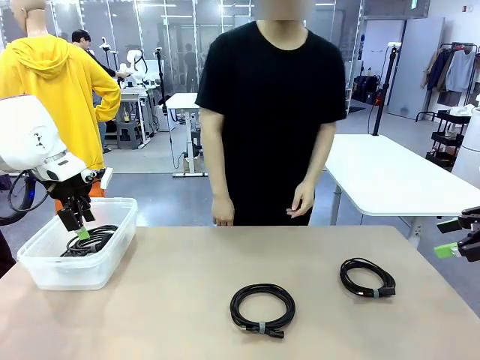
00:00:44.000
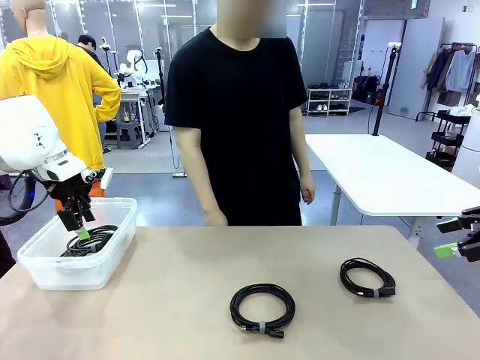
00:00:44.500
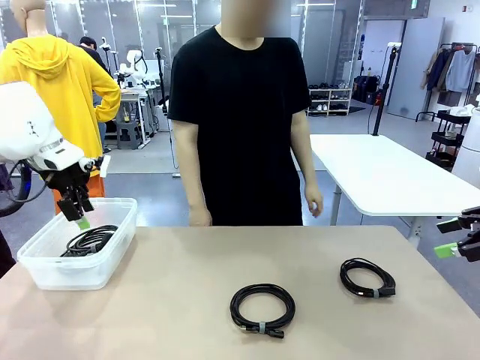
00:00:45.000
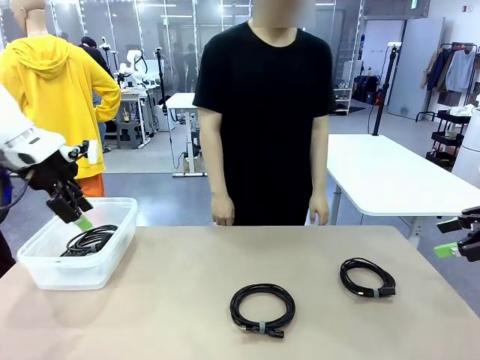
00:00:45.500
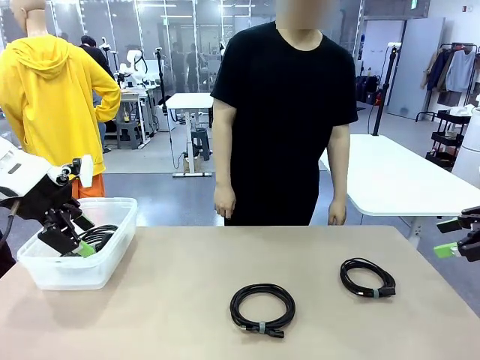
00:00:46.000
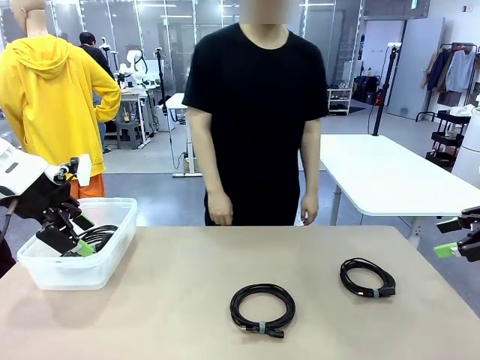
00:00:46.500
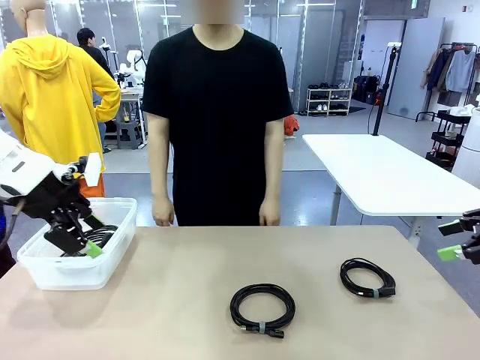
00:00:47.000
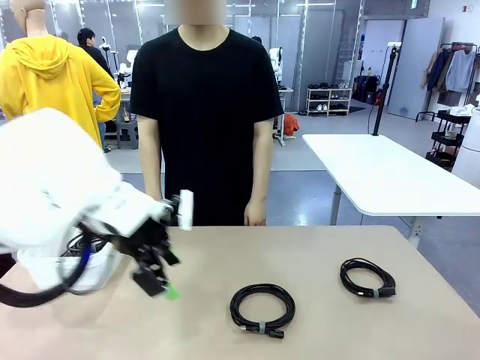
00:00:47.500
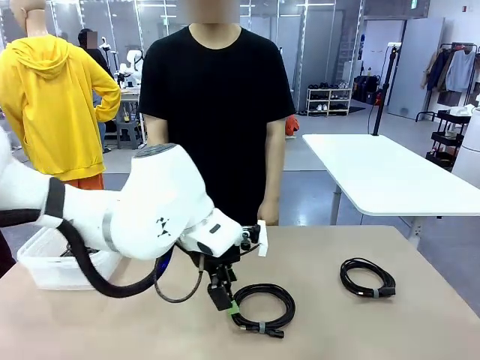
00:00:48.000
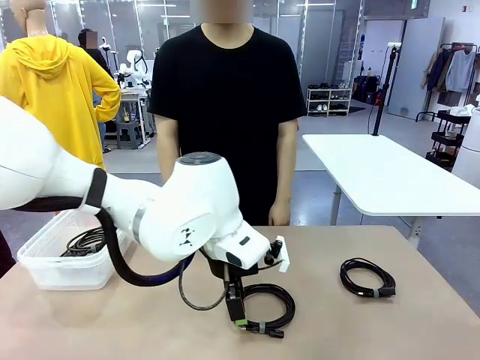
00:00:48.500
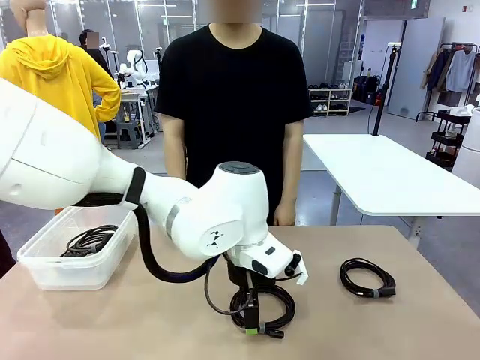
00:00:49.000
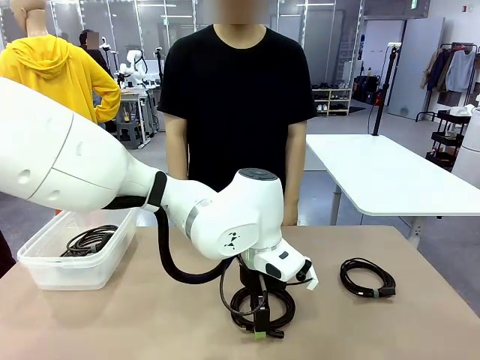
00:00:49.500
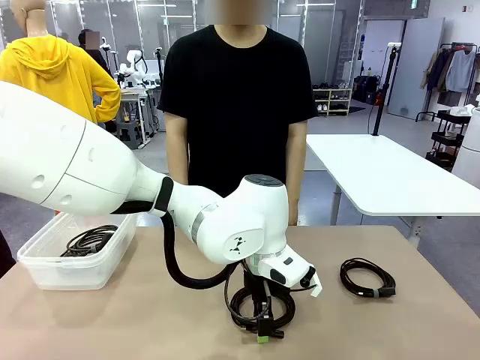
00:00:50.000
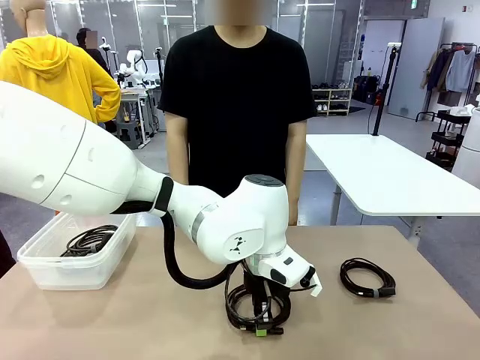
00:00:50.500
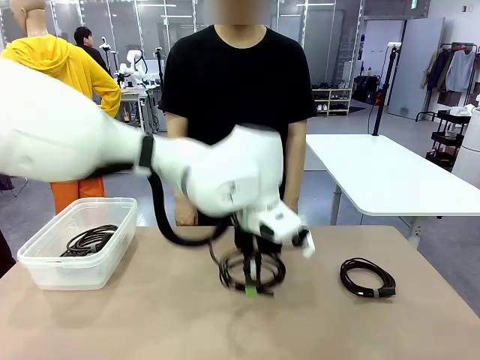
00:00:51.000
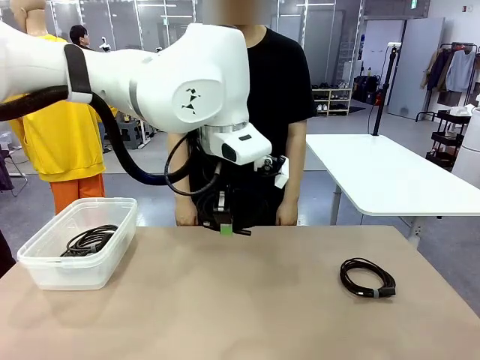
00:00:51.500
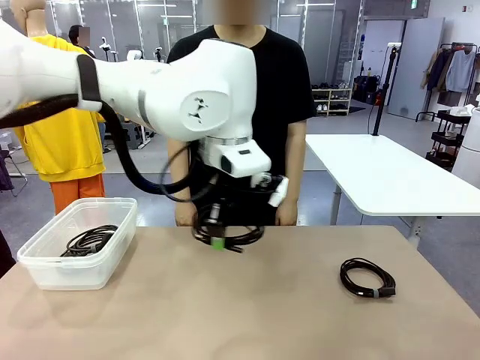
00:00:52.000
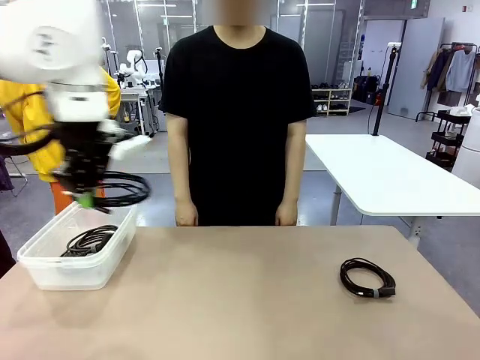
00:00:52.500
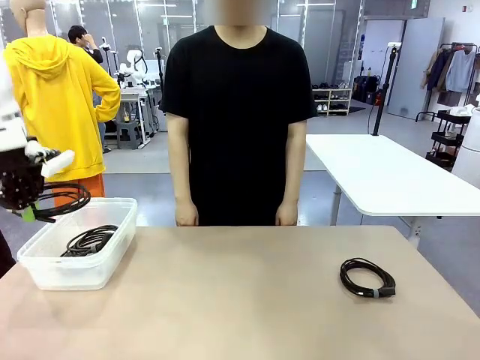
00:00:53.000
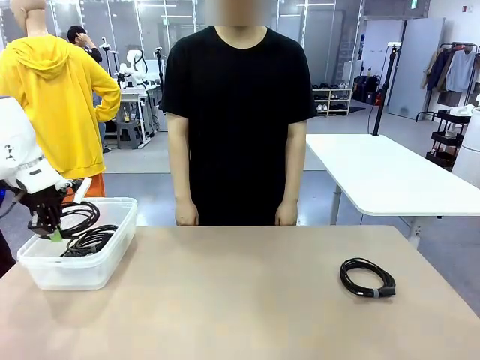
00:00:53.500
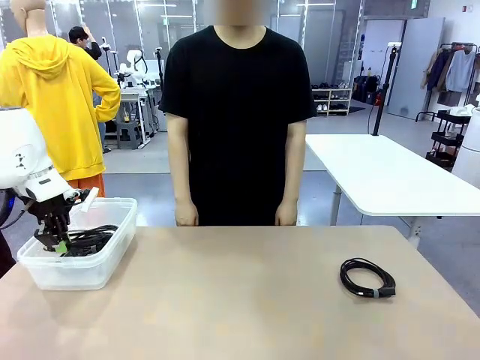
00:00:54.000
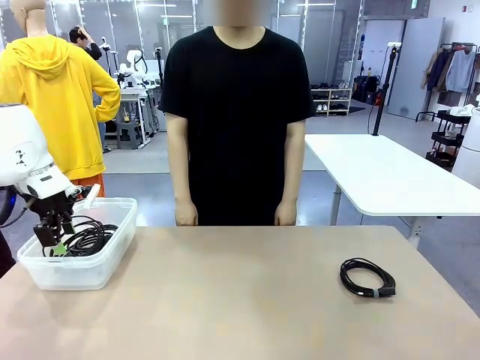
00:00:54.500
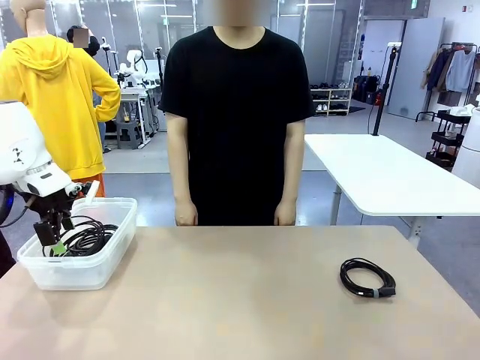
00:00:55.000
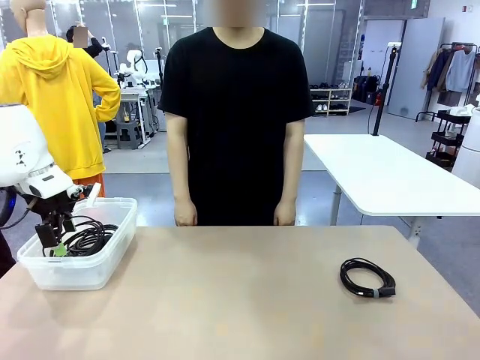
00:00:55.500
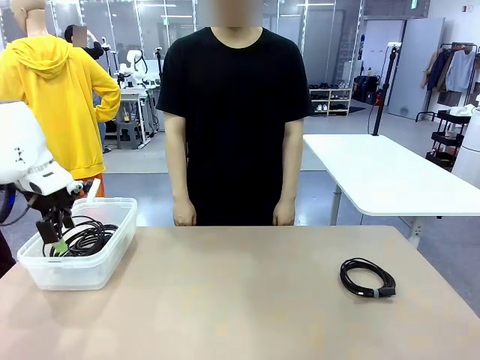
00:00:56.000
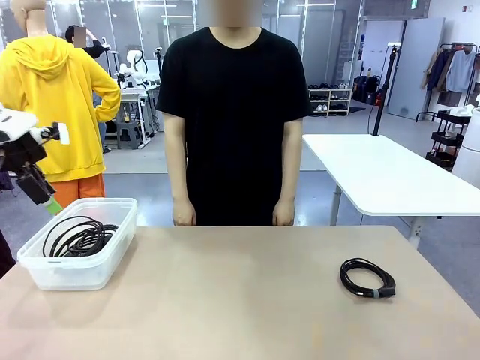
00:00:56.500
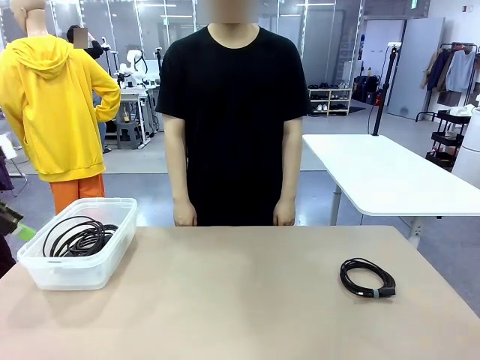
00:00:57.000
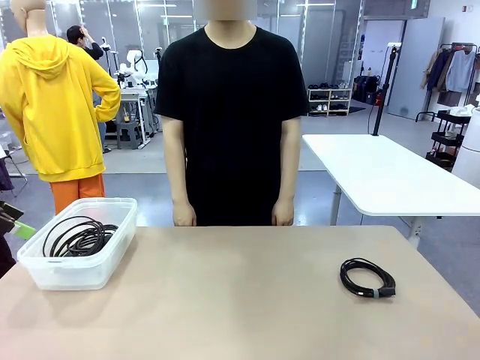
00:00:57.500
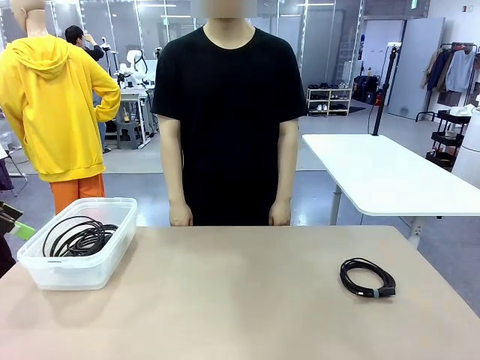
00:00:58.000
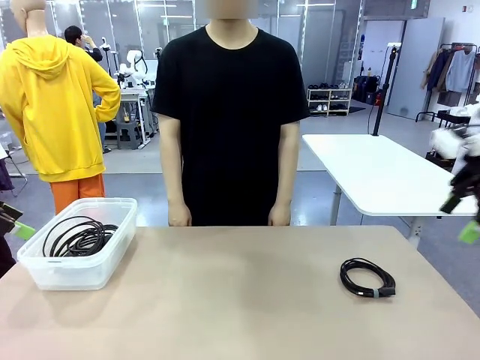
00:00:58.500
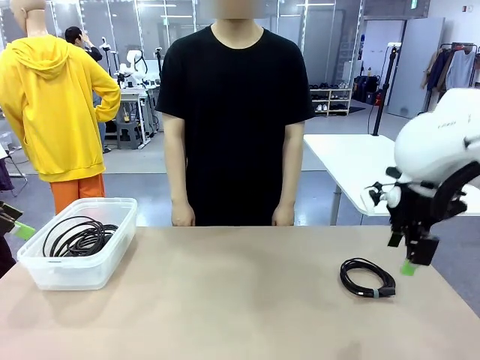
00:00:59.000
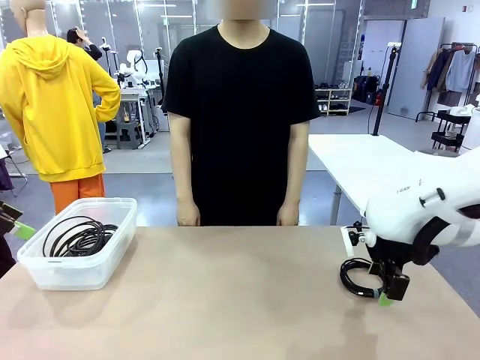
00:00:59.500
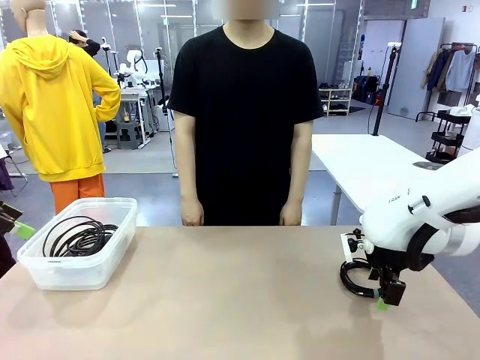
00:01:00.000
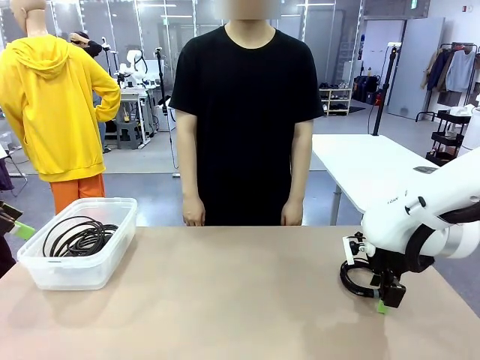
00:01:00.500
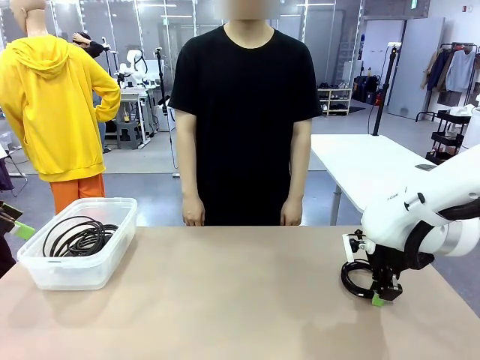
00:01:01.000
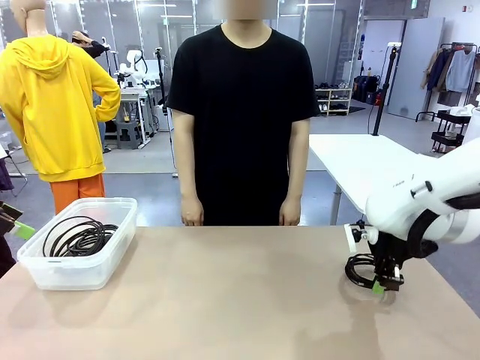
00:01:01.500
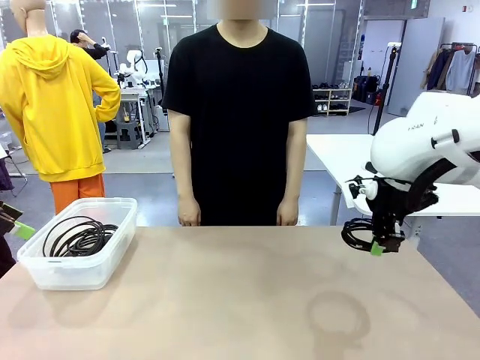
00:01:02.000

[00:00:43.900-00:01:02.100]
Task: Organize and store the cables.
Robot: Place the USB Extension Cable into the Organizing box.

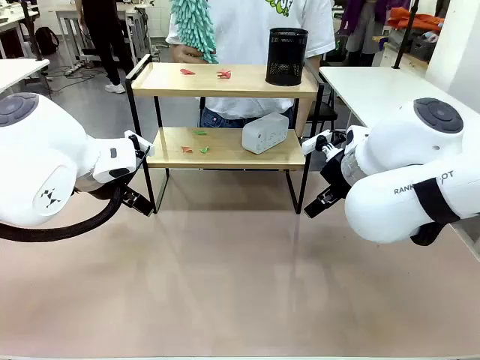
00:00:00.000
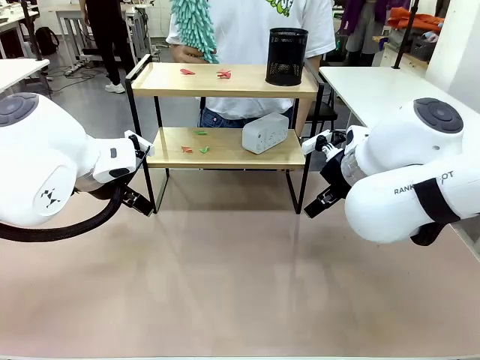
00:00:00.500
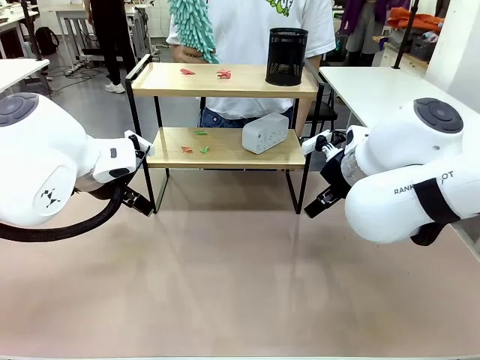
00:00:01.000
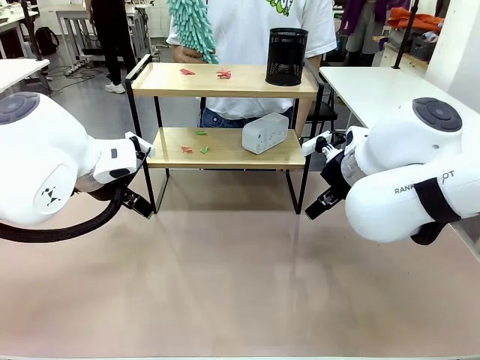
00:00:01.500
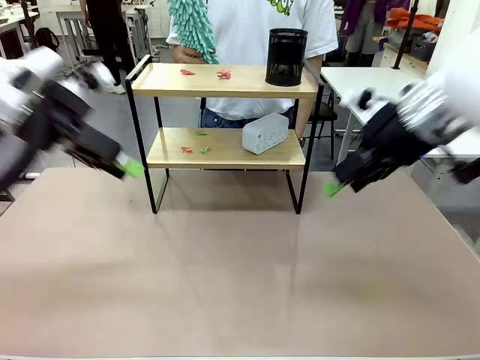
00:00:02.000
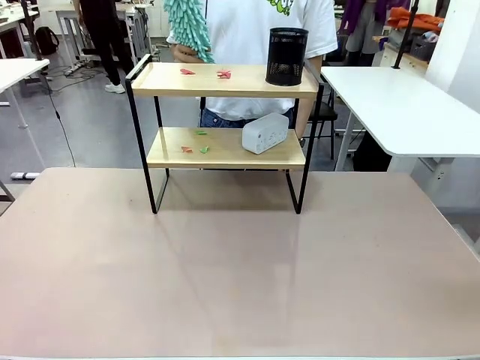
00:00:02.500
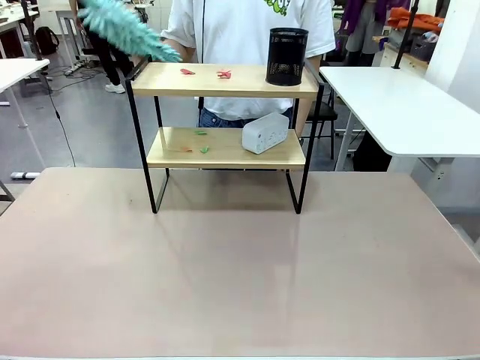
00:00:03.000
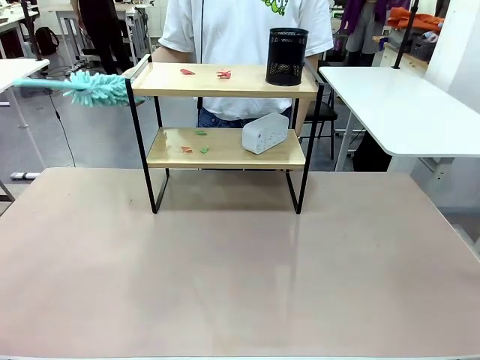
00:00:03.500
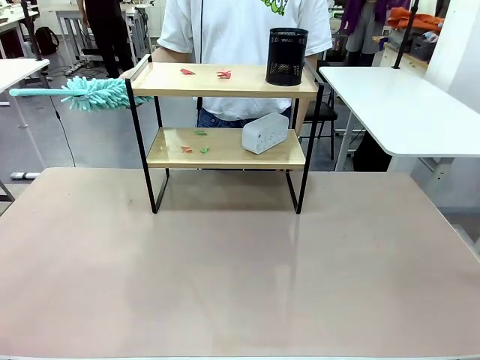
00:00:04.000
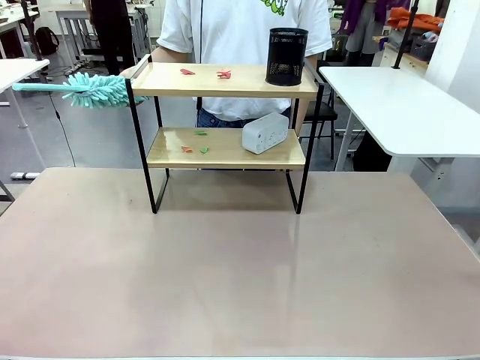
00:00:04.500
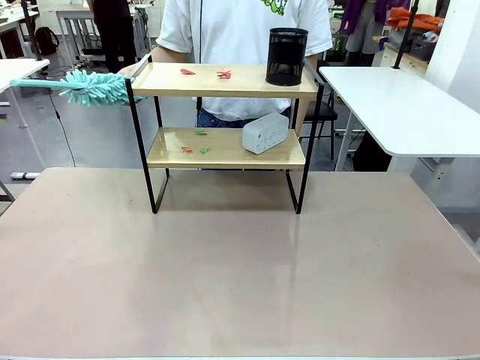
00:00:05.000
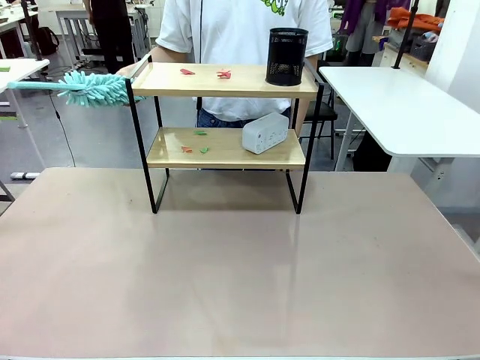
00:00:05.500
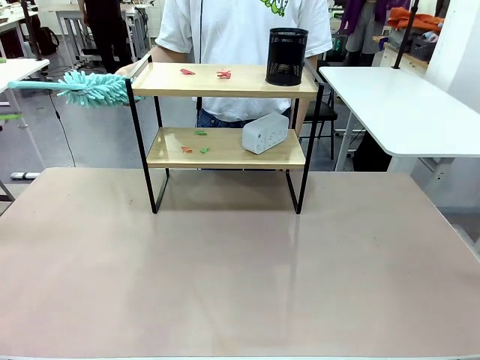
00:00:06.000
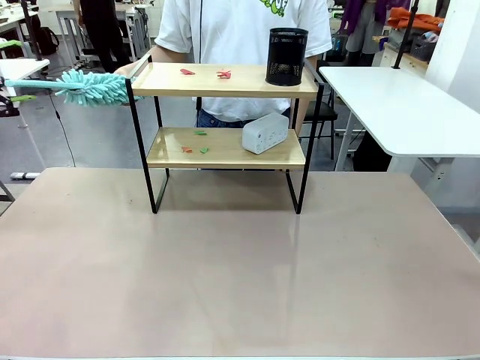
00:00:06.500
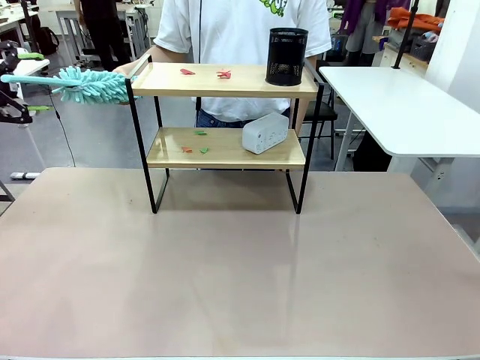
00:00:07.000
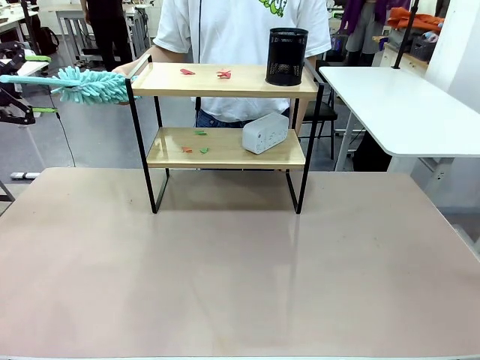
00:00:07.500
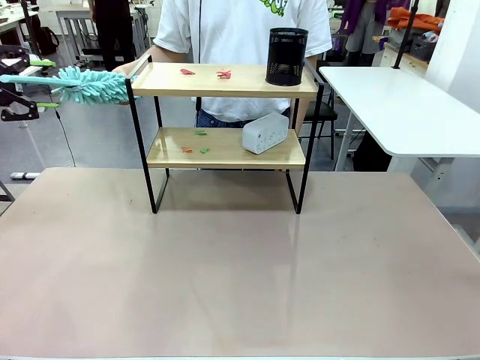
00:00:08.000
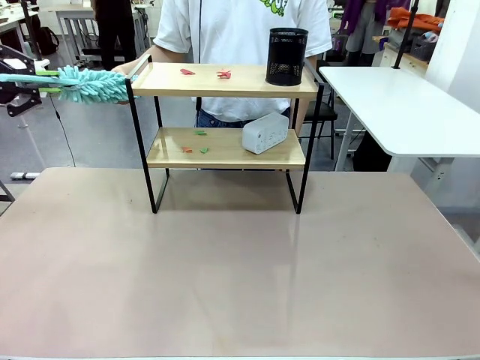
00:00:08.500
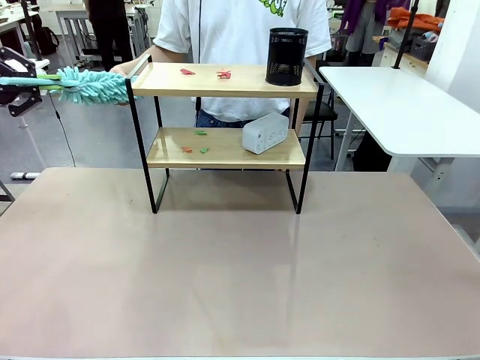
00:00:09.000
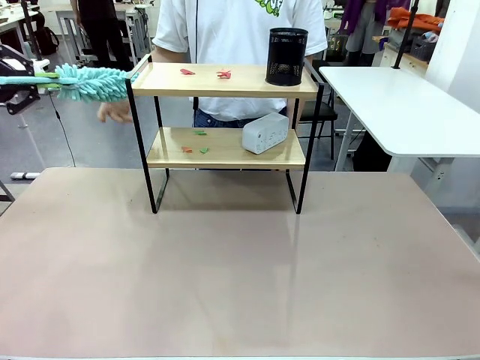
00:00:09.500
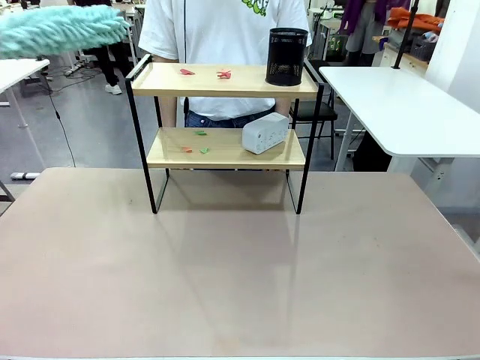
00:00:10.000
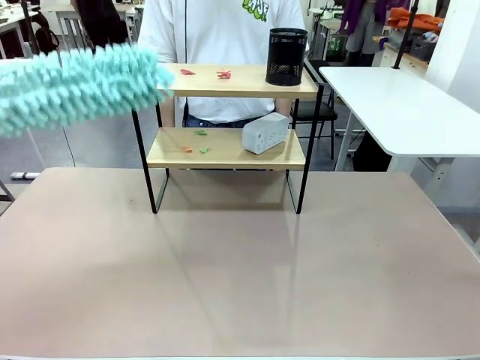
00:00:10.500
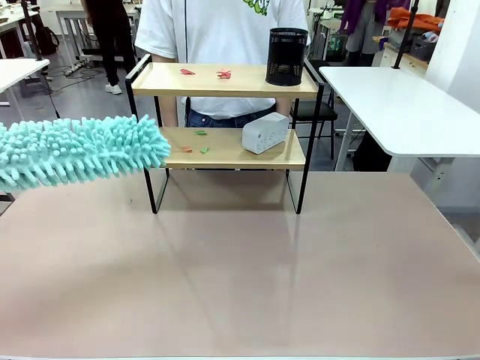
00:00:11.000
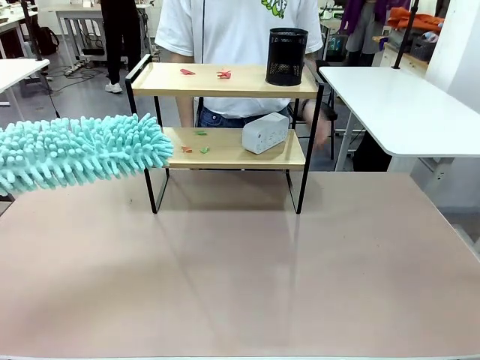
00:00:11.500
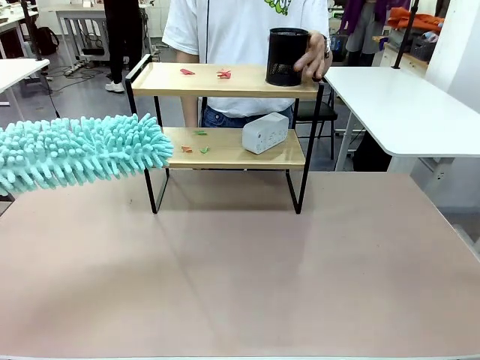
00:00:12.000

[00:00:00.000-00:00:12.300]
Task: Clean the shelf.
Robot: Pick up the Duster from the human.
Person: Hand the Duster to the robot. Lift the objects on a randomly selected tier of the Shelf.
